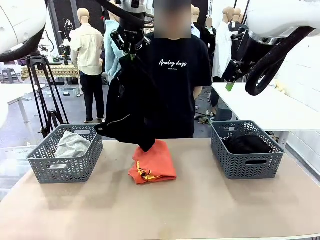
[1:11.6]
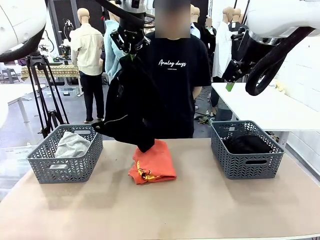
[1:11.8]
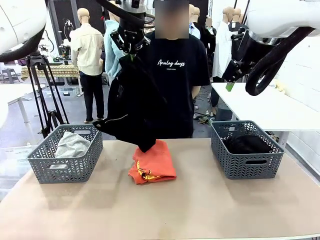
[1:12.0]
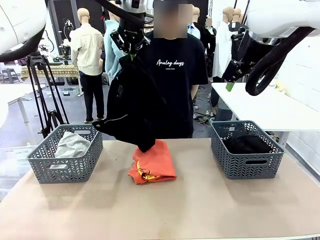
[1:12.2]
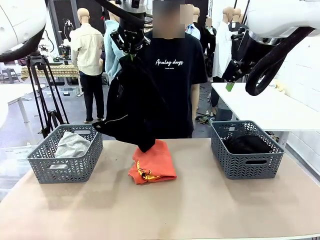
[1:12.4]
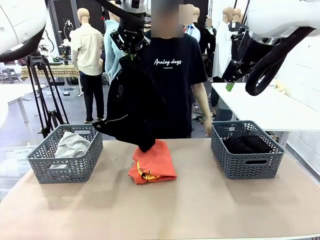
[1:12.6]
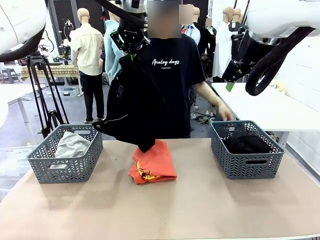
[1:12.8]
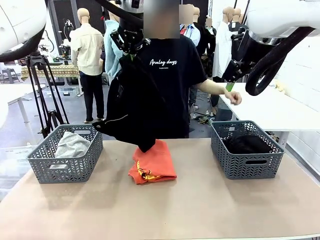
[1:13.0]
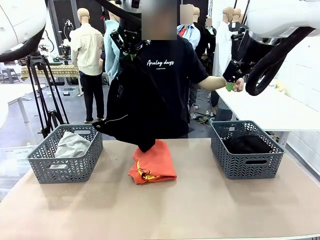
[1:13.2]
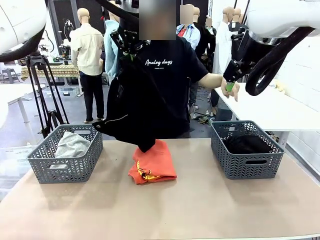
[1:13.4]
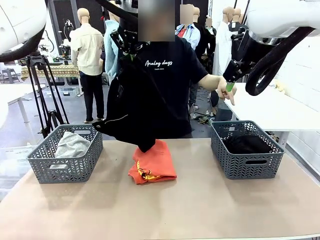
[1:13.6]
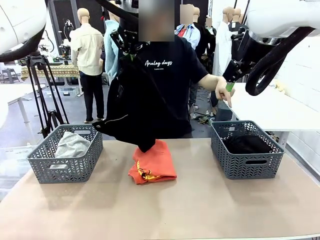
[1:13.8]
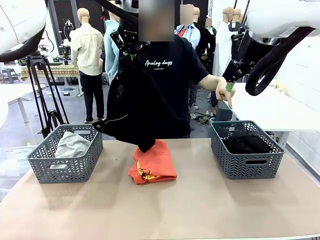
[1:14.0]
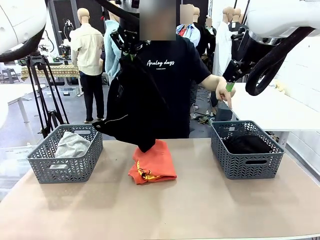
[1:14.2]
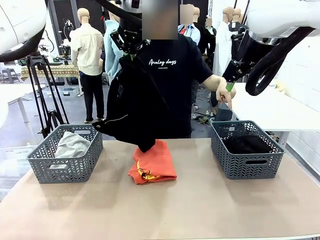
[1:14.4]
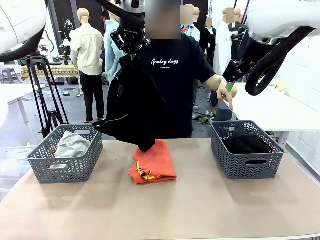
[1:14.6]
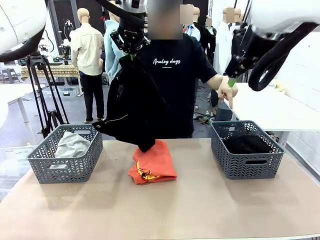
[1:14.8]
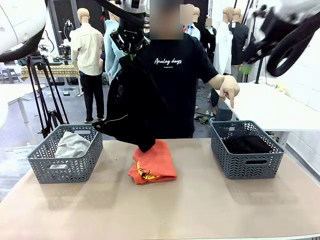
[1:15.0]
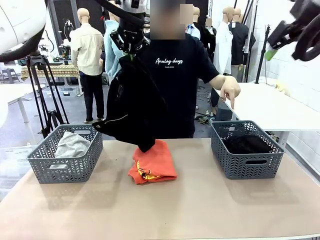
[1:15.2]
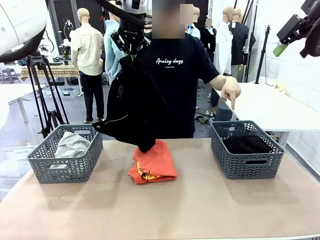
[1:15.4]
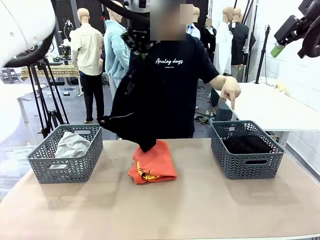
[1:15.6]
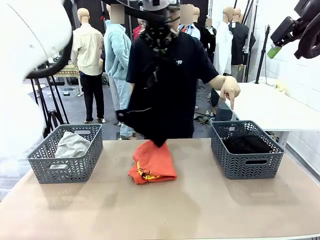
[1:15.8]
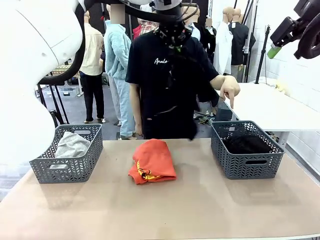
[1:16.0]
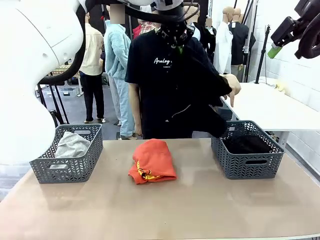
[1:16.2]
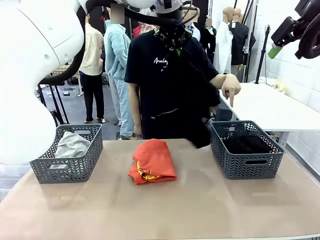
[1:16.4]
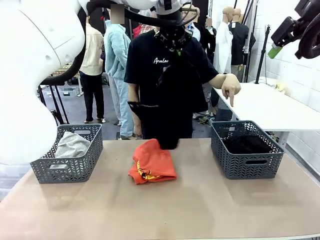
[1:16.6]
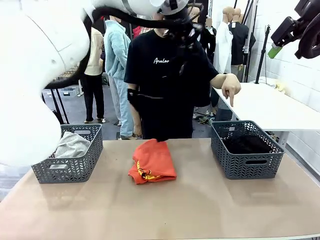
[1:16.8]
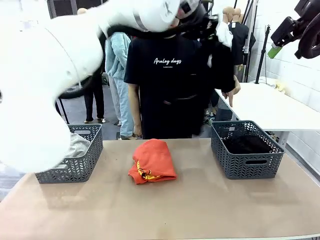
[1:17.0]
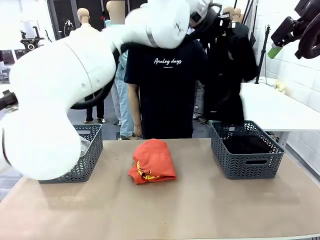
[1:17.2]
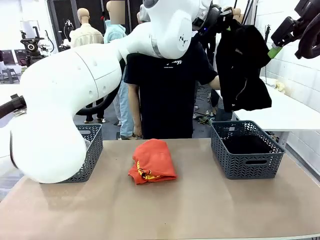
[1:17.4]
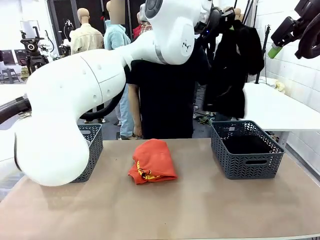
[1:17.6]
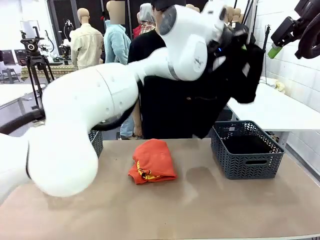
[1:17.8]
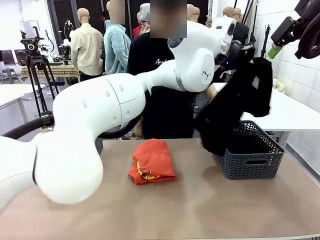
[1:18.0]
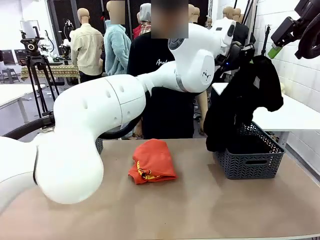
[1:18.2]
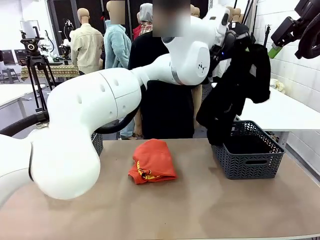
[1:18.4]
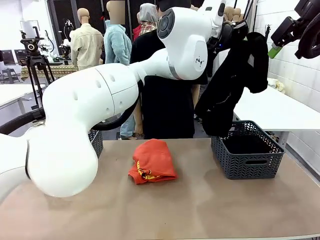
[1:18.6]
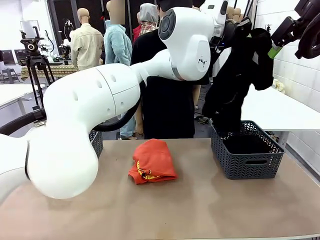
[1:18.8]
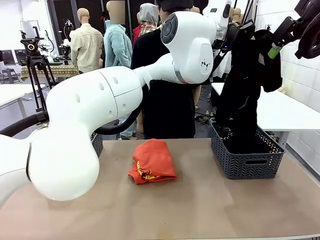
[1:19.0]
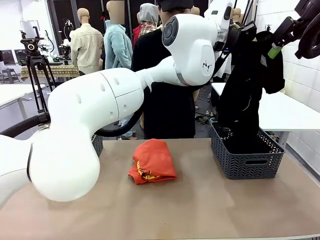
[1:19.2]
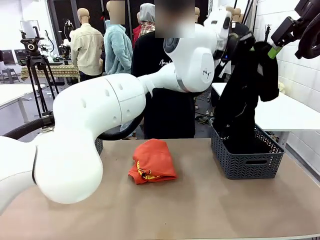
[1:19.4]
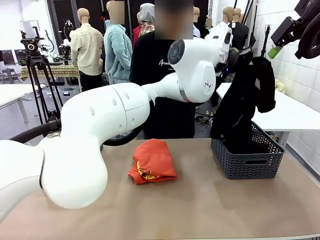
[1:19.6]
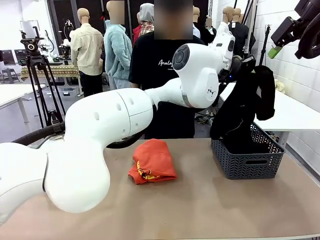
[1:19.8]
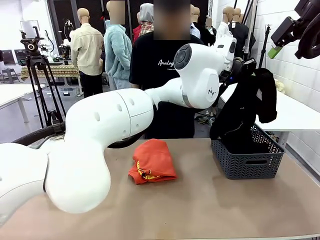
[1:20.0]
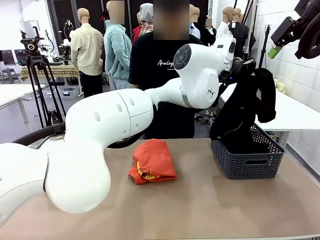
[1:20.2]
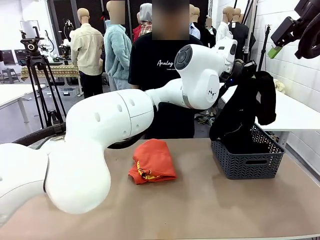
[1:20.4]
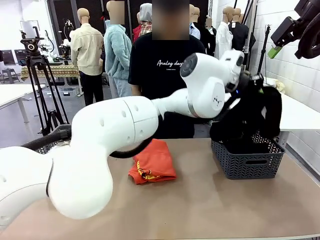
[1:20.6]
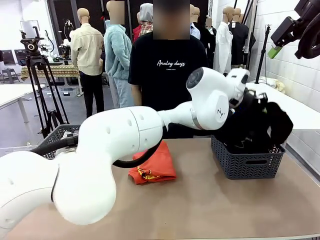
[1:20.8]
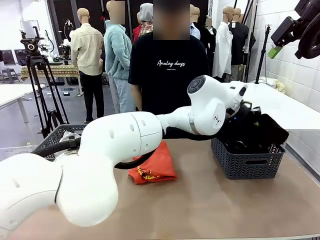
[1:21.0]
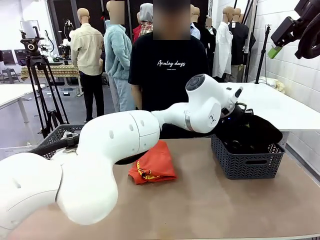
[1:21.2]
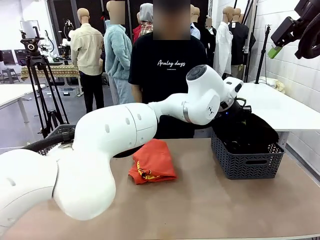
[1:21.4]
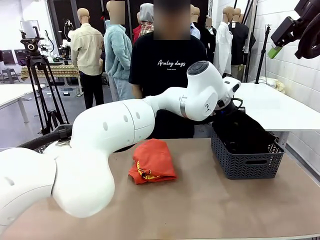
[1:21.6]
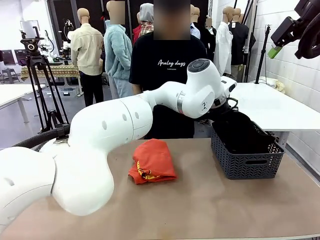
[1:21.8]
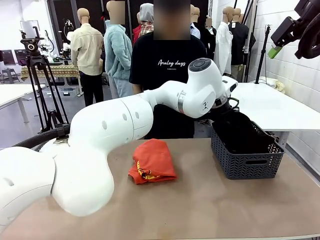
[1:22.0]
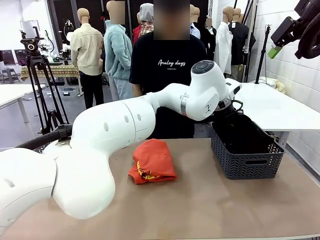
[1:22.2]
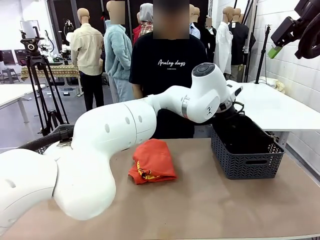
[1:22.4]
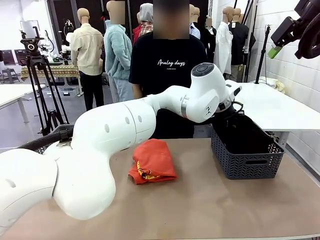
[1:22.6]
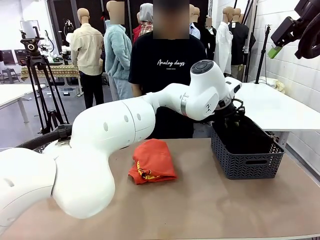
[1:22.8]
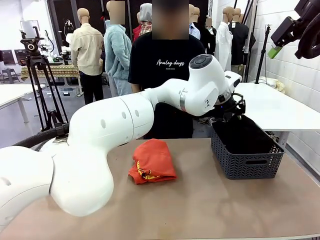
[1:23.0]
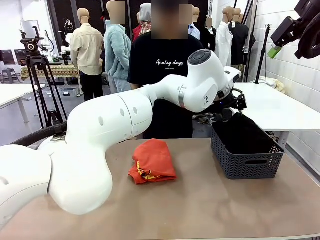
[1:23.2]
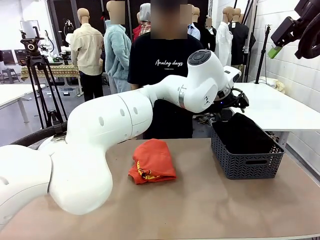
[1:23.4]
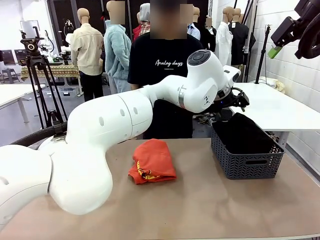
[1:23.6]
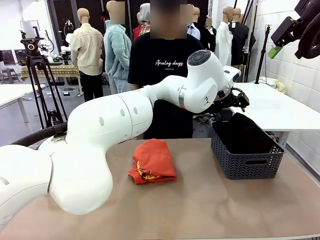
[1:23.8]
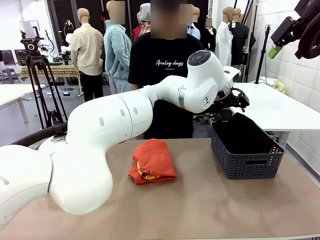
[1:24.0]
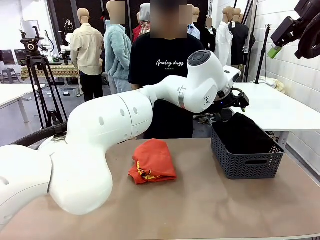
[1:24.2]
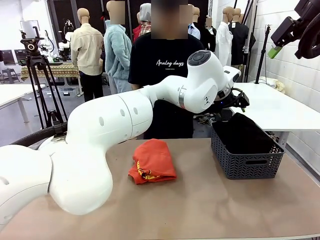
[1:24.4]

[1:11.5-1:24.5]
Task: Sort the tops and bottoms.
Robot: Sort the clothes according to human instructions.

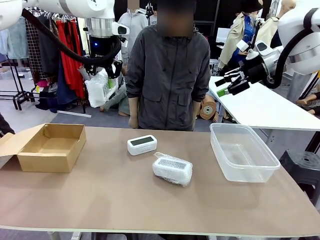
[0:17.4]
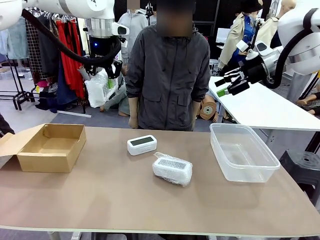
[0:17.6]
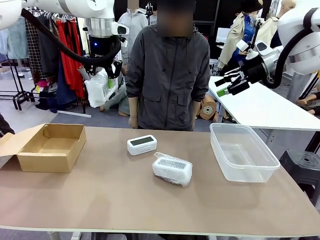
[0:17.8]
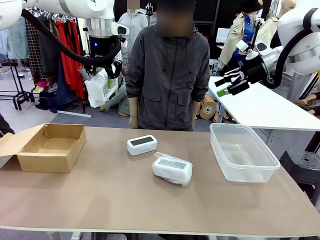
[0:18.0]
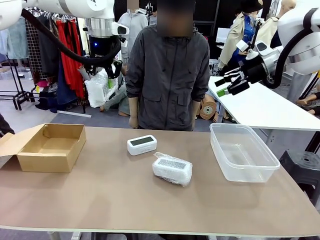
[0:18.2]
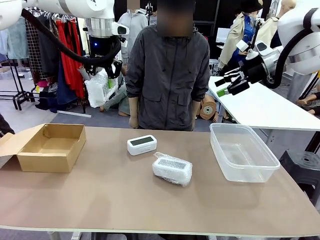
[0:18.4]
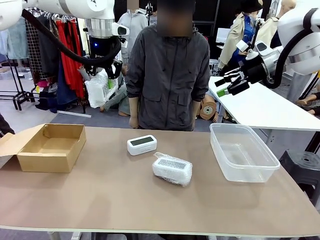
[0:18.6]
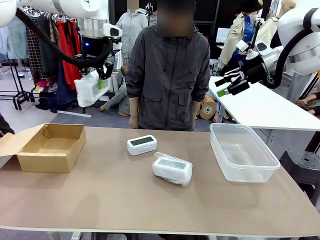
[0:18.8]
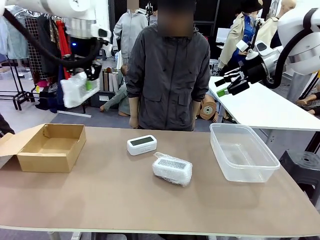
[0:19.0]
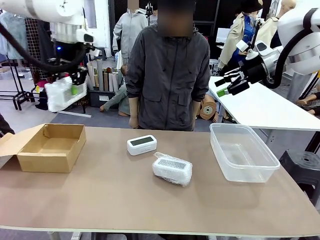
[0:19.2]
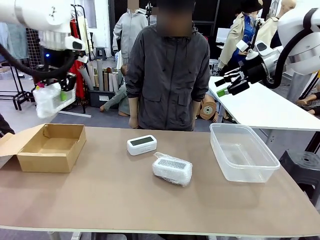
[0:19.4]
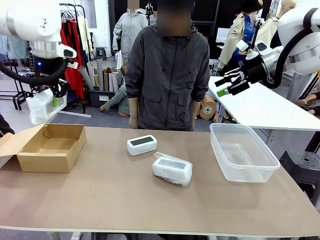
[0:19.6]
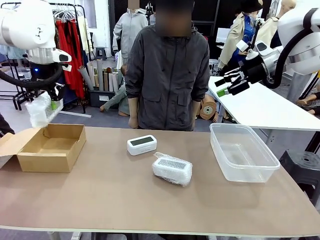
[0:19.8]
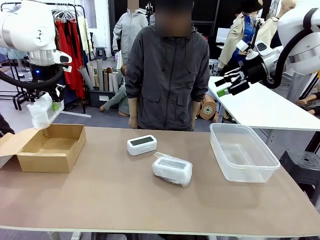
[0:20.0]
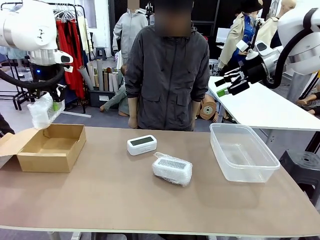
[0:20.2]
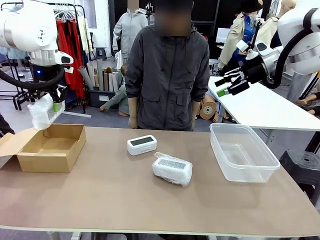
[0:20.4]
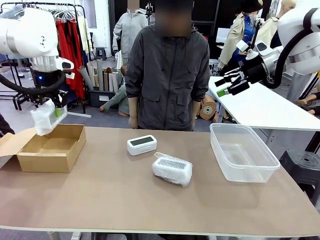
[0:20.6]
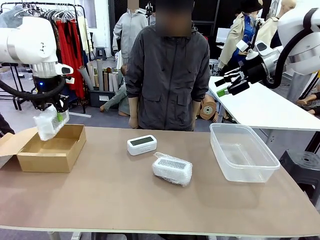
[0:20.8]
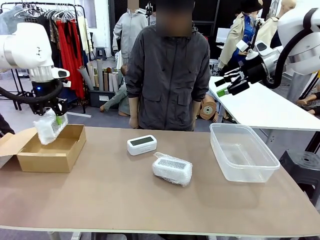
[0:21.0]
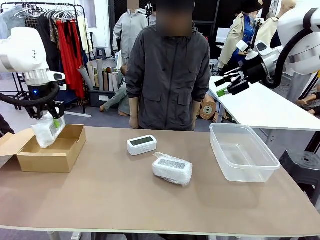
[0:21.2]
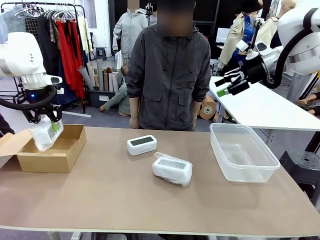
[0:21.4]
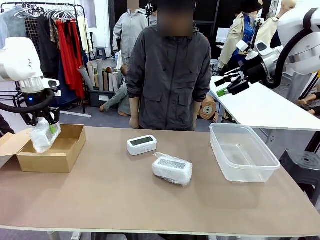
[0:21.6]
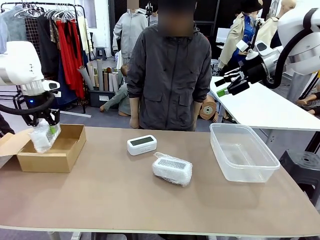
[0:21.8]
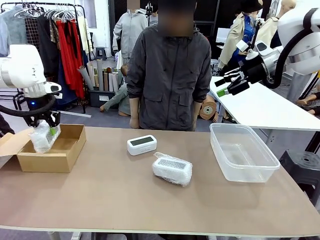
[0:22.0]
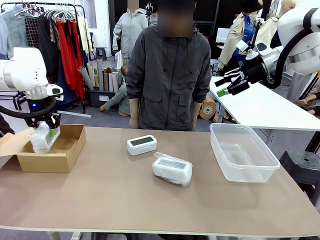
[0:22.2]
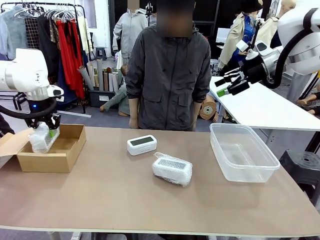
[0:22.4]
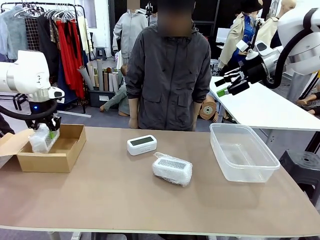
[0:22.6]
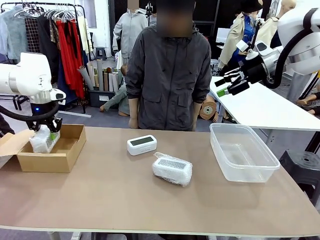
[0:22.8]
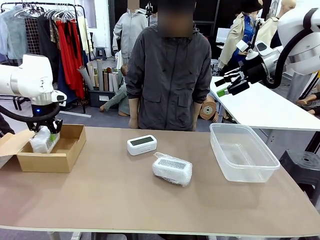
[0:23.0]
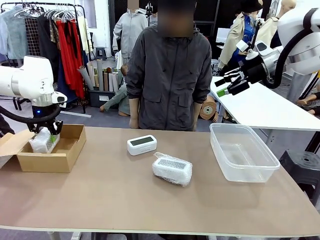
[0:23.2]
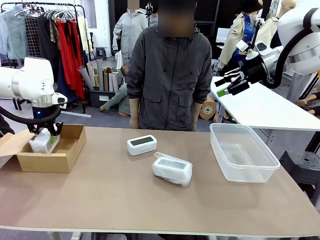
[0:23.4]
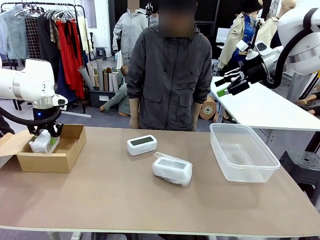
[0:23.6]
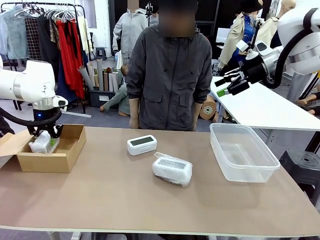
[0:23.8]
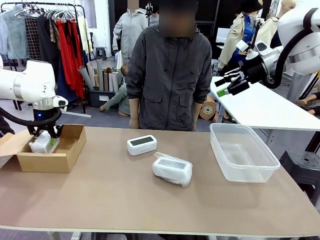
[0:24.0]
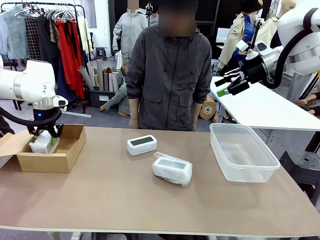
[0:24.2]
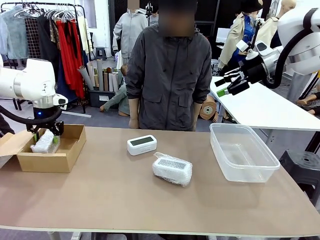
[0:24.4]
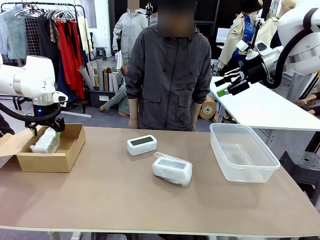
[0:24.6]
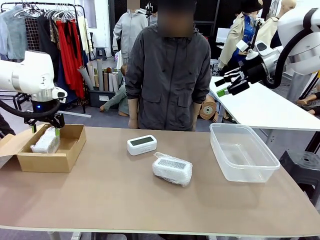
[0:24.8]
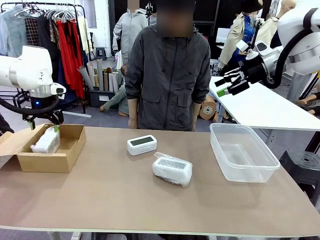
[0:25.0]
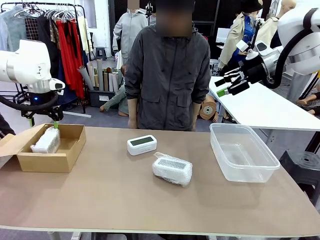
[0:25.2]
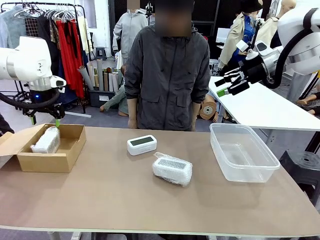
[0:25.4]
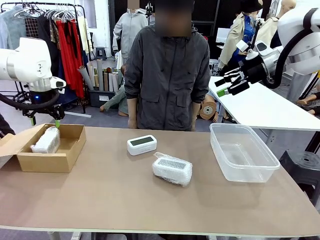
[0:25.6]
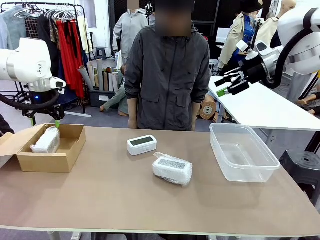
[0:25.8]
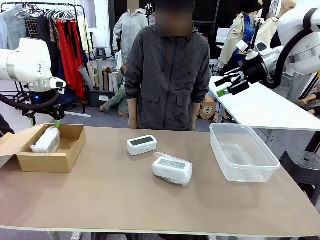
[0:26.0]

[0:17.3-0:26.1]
Task: Separate and place wrapped and unwrapped clocks.
Robot: If the picked Digital clock is wrapped, place it in the Package Box ; if not, place it in the Organizing box.
